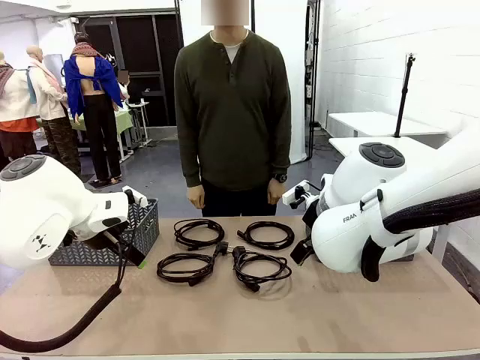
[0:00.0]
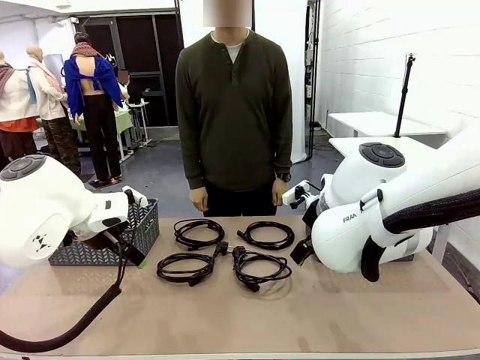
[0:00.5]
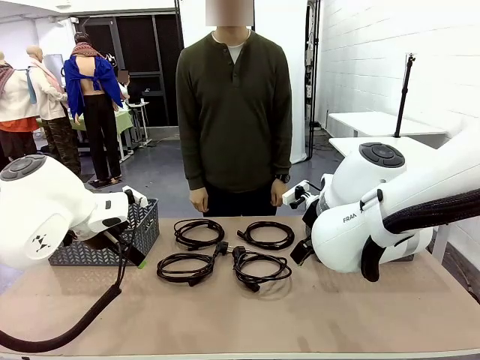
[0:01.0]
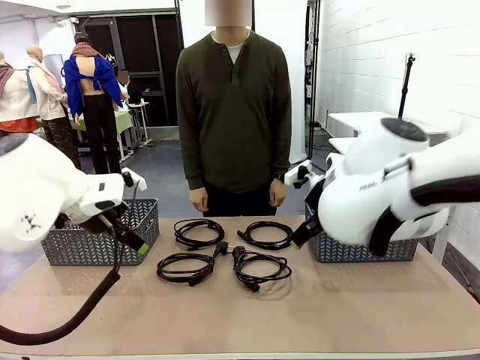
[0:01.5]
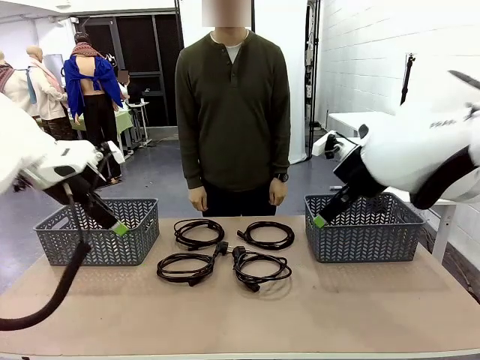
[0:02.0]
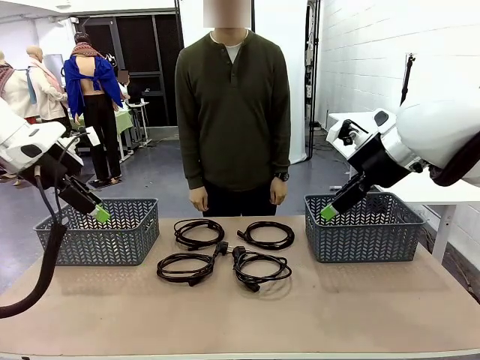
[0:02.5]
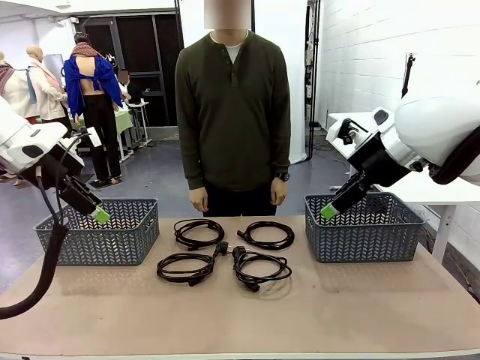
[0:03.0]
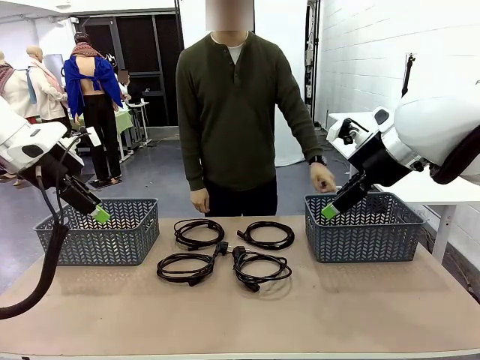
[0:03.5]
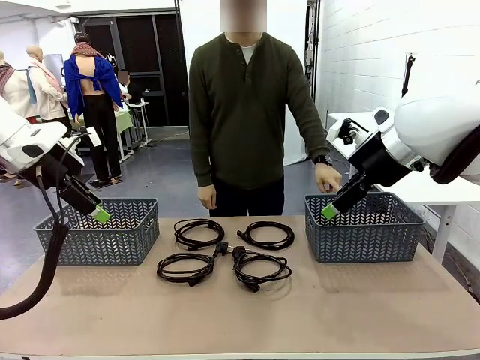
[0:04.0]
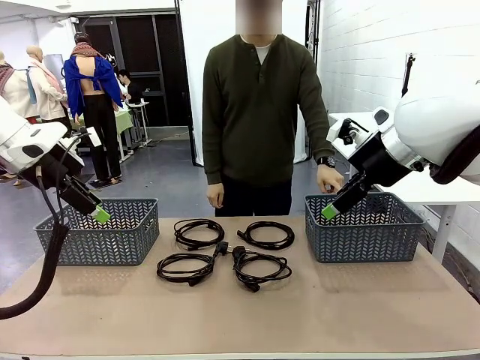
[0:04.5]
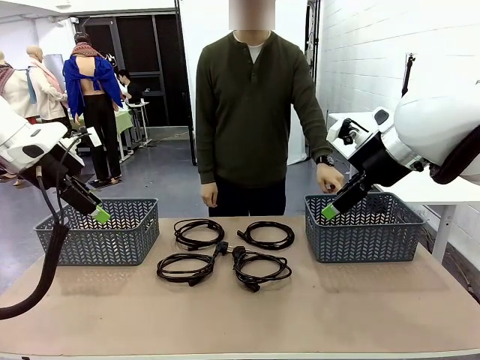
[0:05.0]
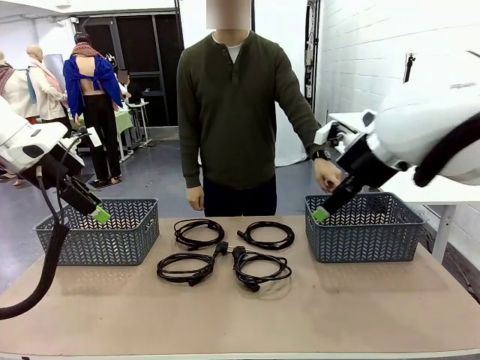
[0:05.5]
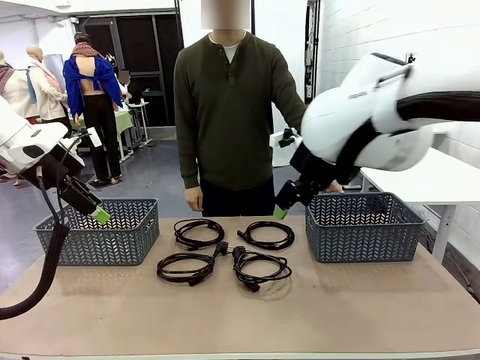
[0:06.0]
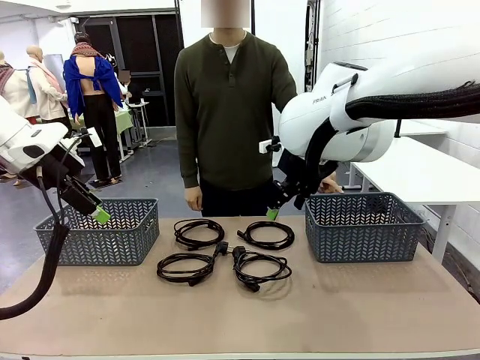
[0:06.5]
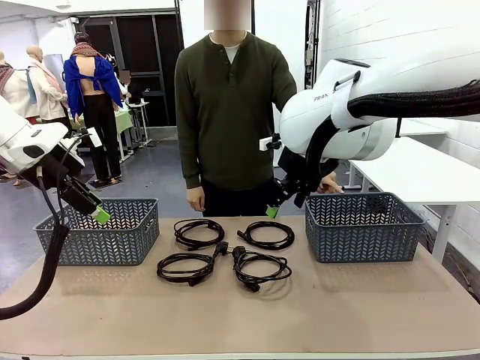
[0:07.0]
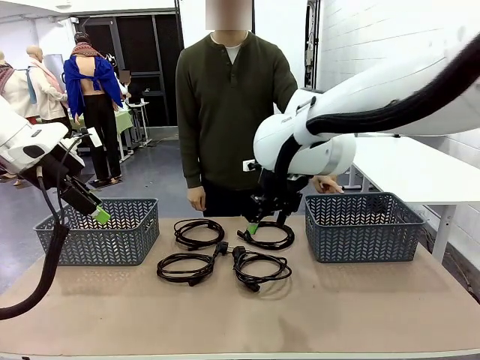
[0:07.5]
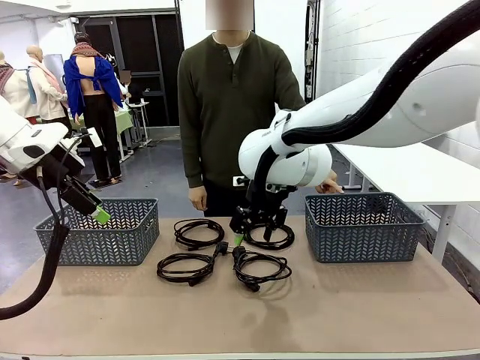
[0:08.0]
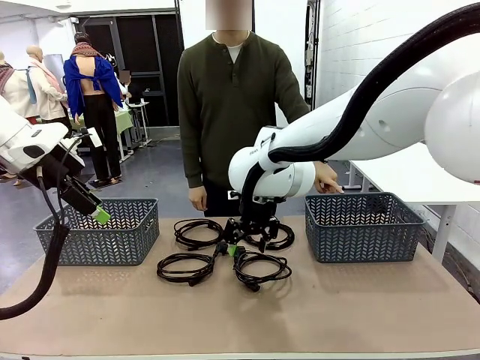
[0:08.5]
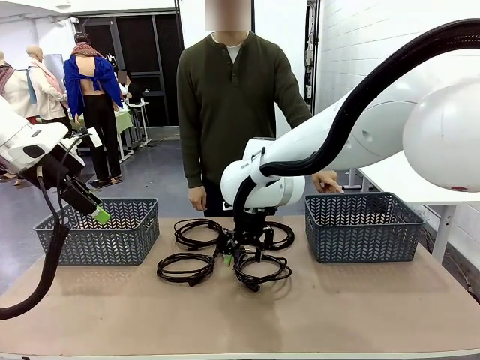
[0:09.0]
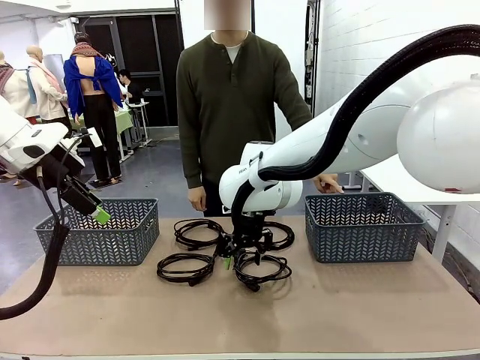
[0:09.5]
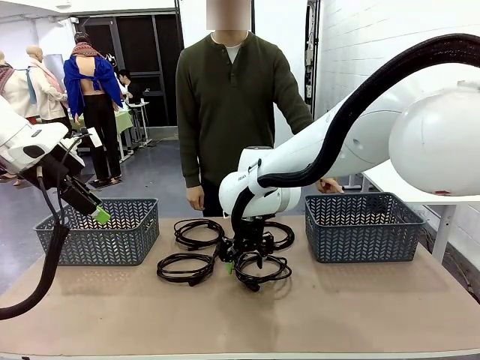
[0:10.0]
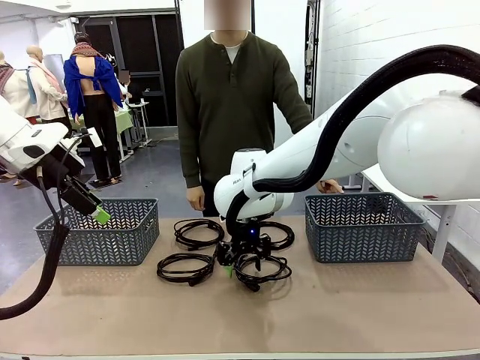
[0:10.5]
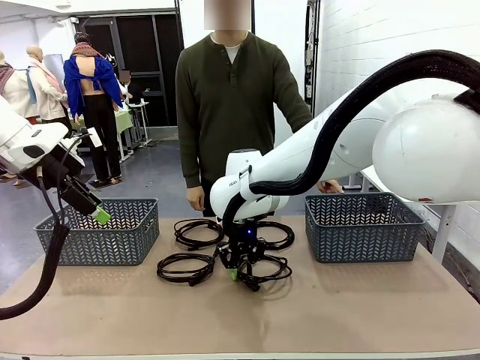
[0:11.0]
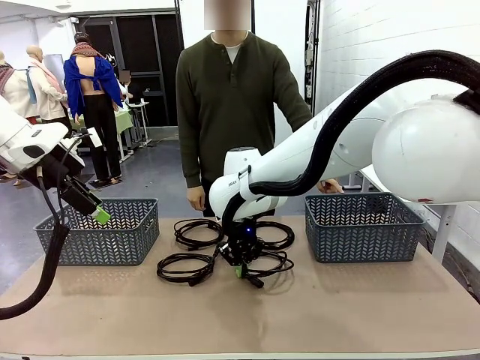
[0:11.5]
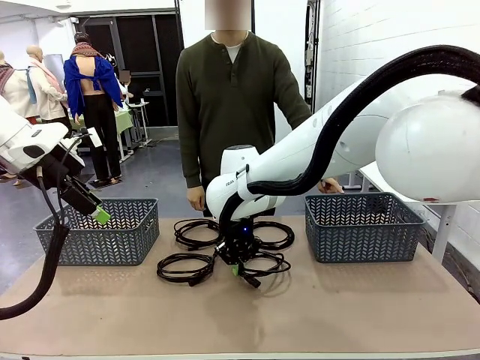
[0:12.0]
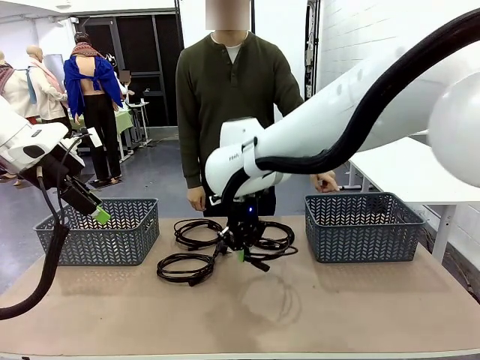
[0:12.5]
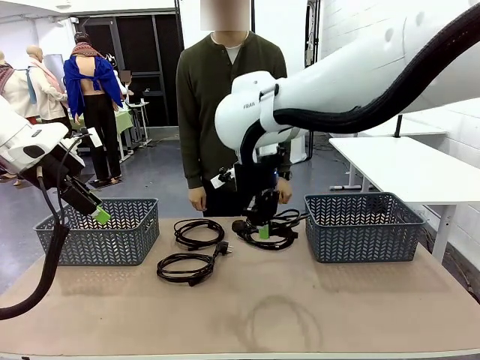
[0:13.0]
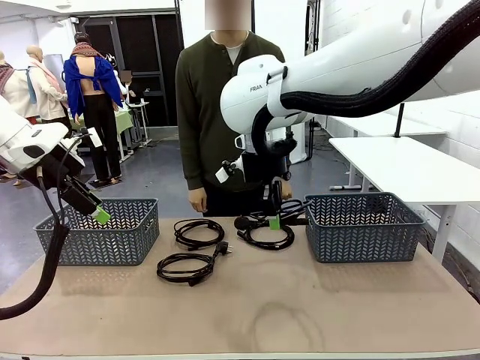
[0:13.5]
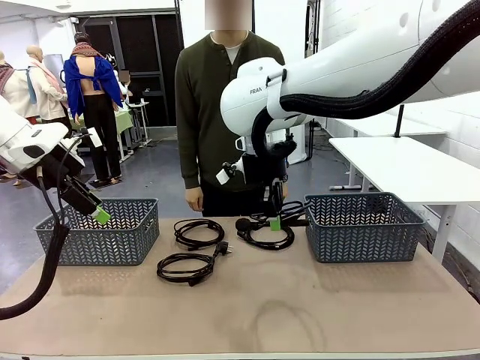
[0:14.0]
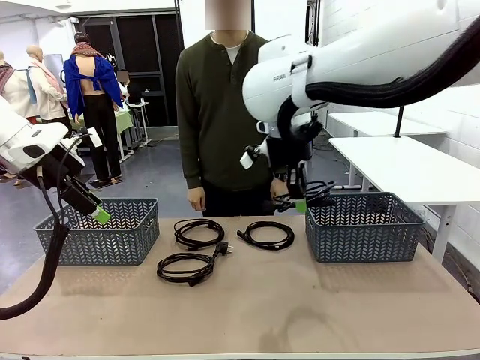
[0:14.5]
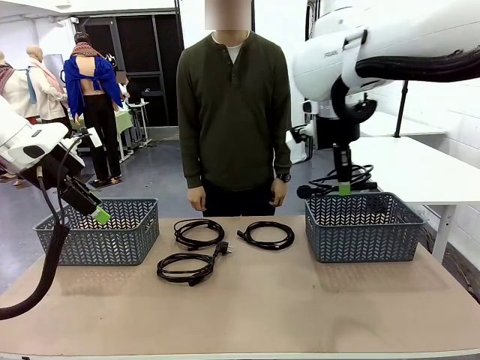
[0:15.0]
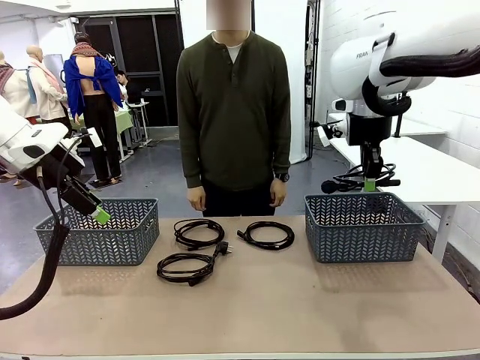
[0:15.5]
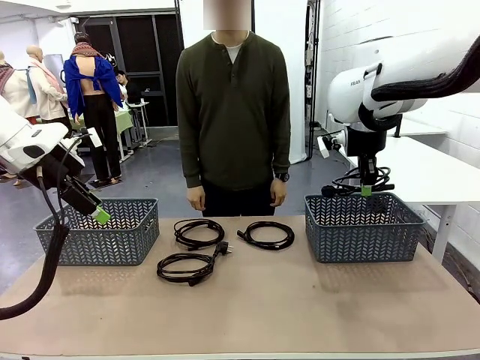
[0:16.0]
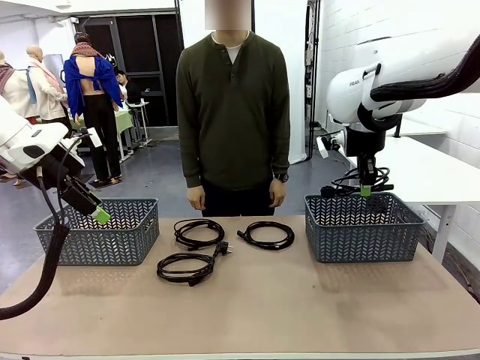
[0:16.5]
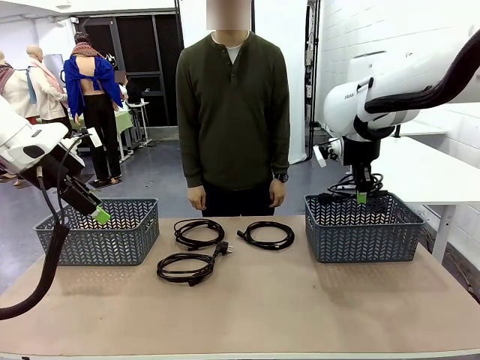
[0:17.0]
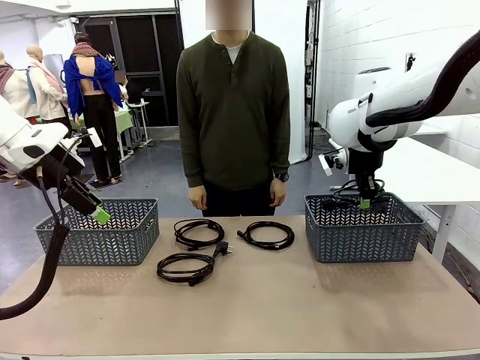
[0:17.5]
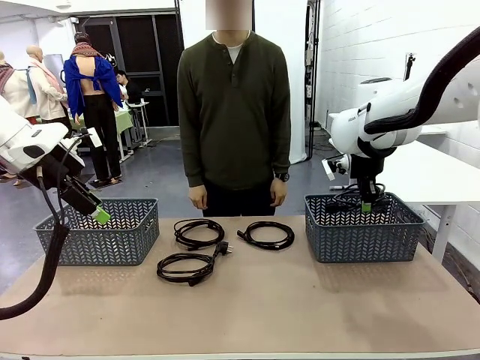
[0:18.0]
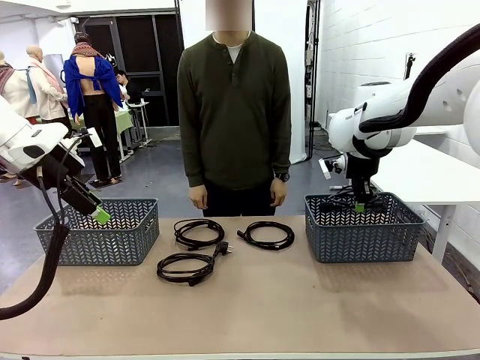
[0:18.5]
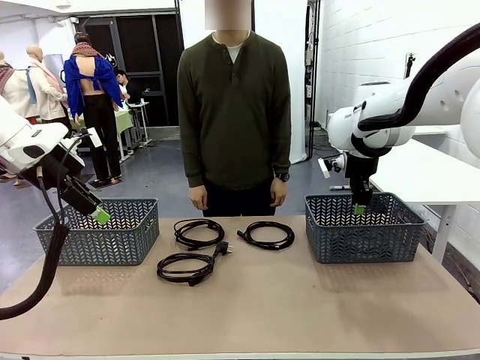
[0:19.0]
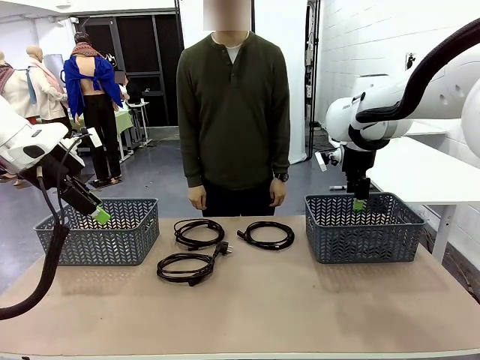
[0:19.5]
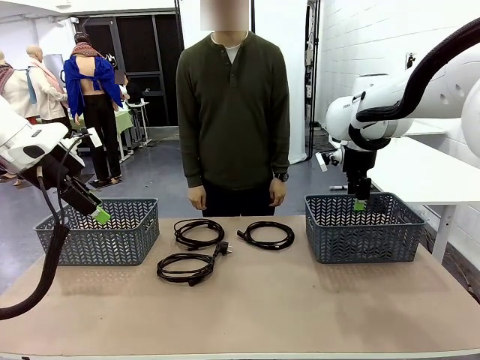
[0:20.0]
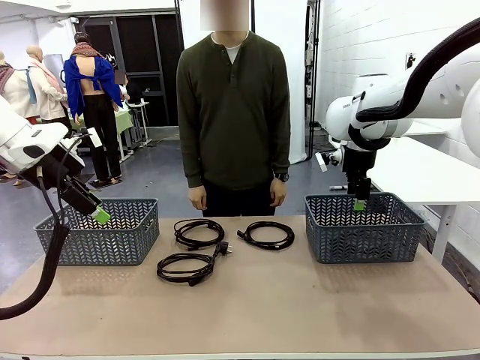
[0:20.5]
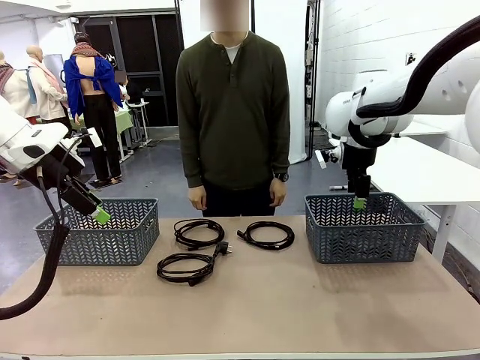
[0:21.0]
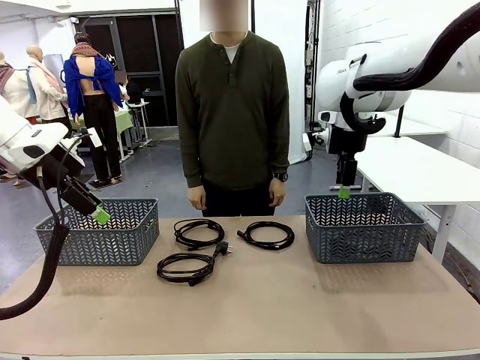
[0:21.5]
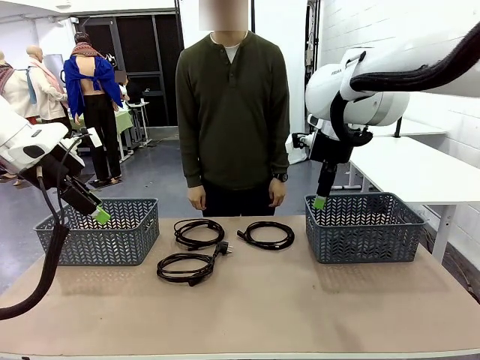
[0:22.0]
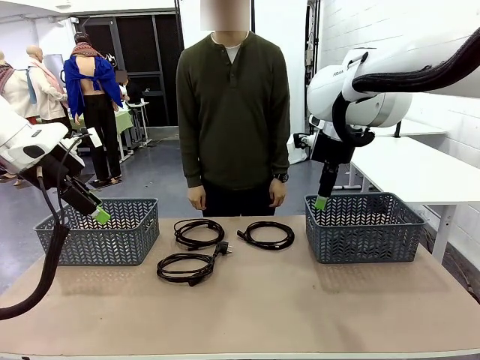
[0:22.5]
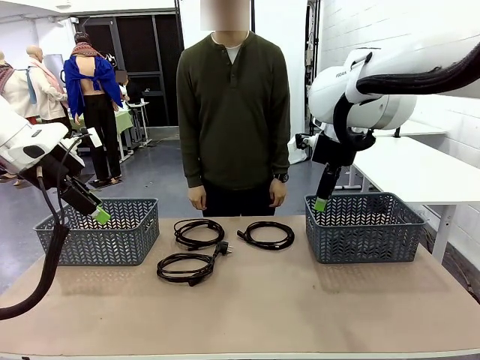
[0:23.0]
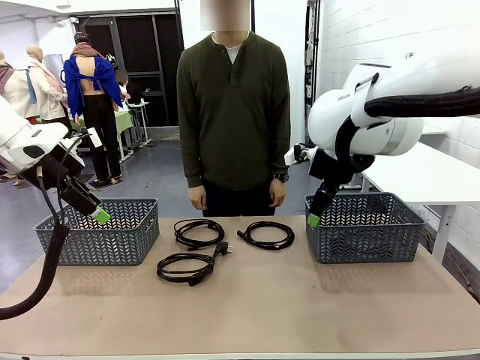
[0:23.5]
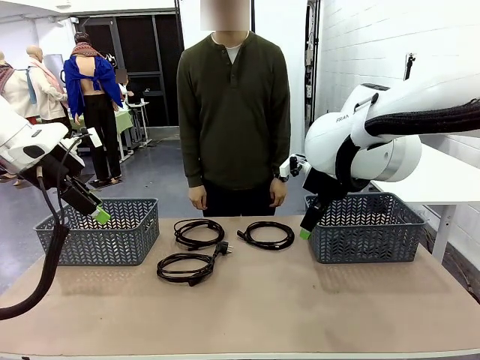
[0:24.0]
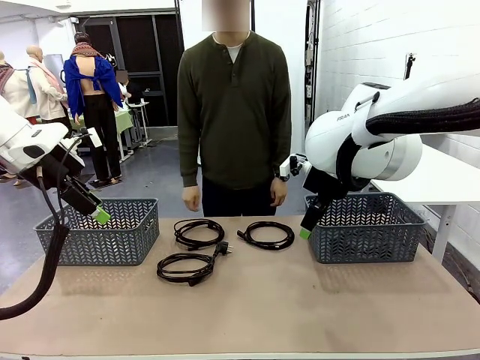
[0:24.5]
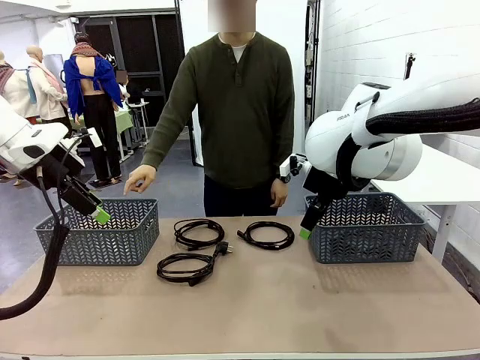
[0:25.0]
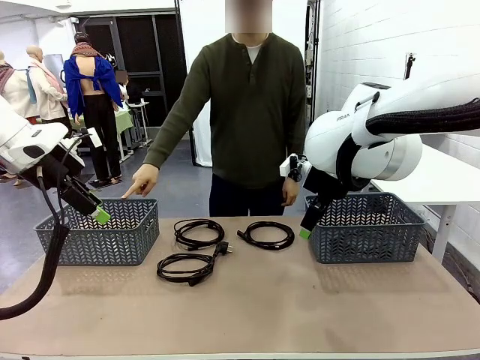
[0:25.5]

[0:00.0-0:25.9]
Task: Organize the cables according to human instructions.
Robot: Pick up a bundle of cables and place it in the basket indicated by the human.
